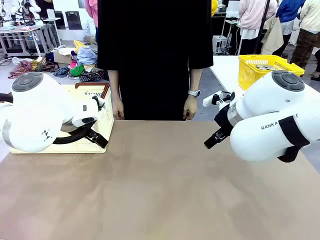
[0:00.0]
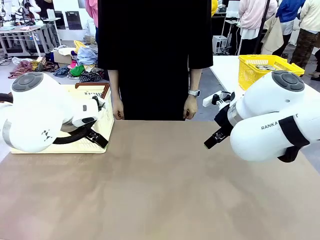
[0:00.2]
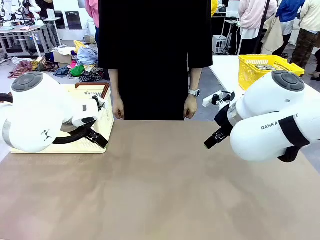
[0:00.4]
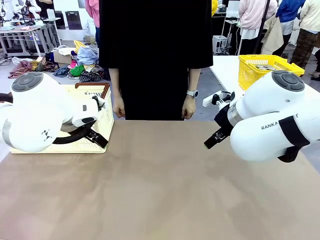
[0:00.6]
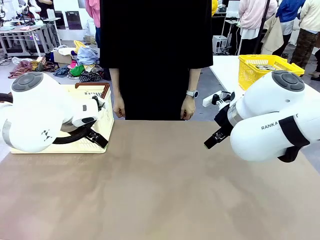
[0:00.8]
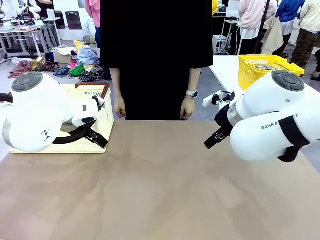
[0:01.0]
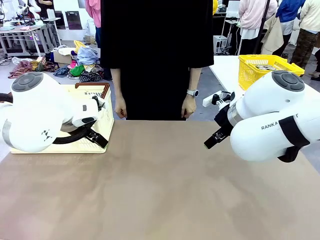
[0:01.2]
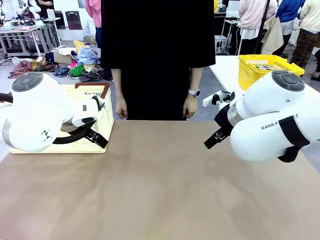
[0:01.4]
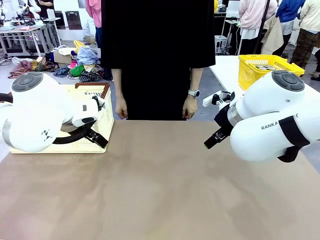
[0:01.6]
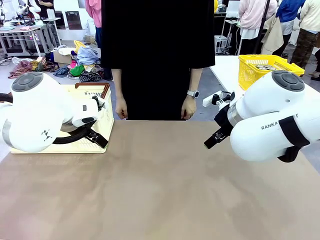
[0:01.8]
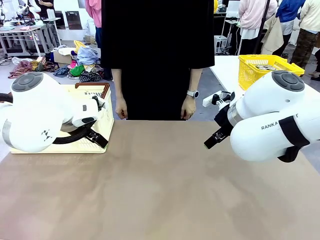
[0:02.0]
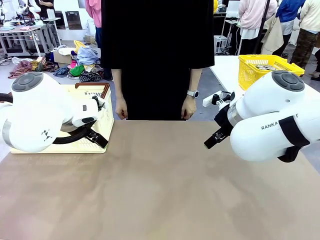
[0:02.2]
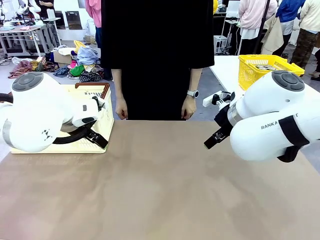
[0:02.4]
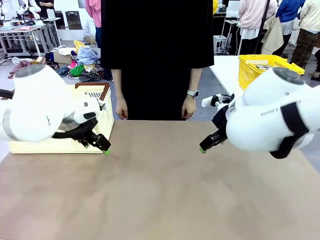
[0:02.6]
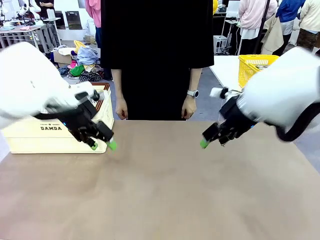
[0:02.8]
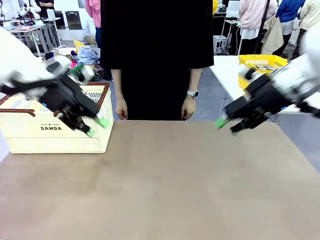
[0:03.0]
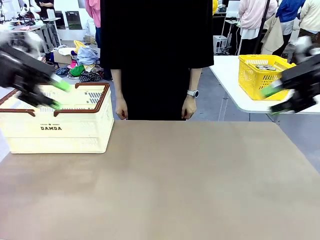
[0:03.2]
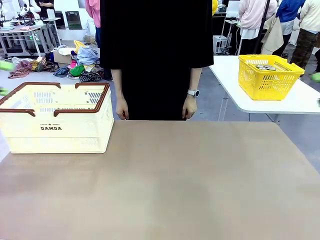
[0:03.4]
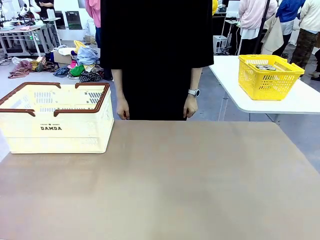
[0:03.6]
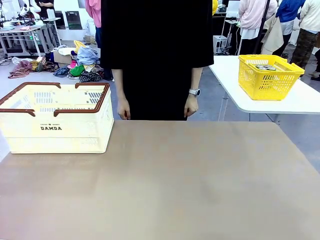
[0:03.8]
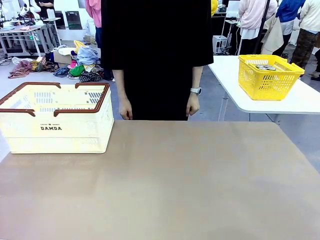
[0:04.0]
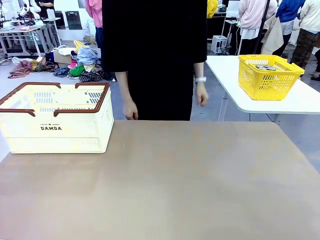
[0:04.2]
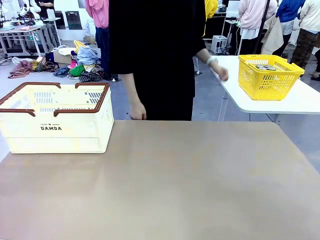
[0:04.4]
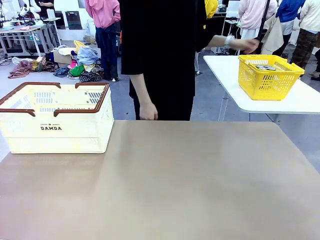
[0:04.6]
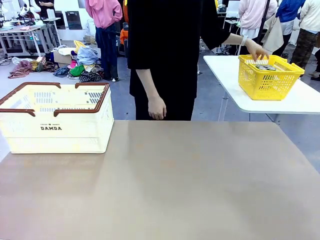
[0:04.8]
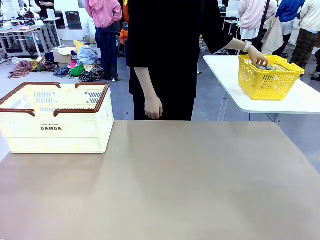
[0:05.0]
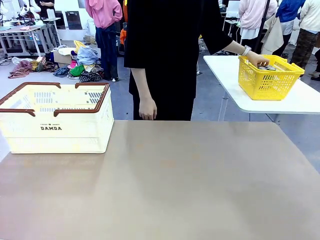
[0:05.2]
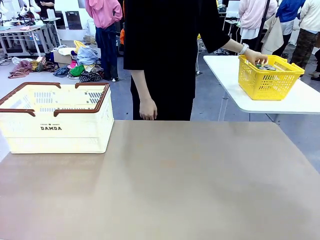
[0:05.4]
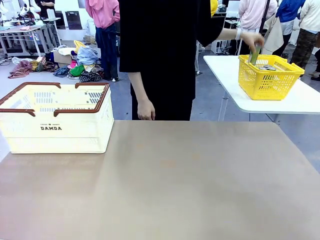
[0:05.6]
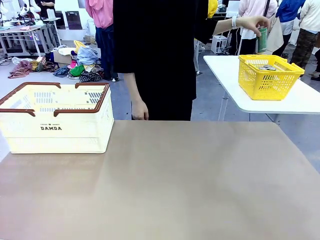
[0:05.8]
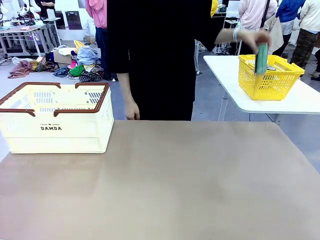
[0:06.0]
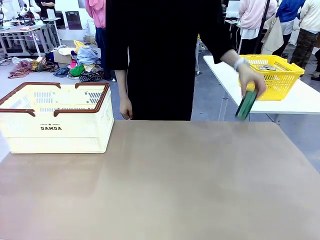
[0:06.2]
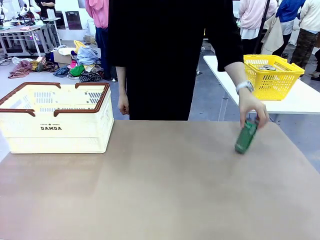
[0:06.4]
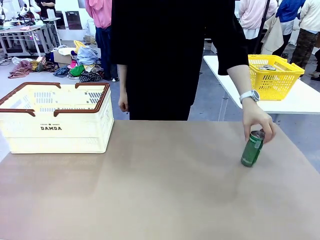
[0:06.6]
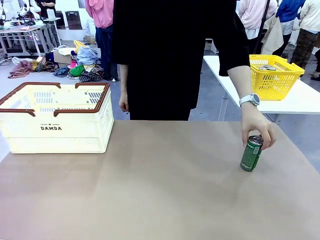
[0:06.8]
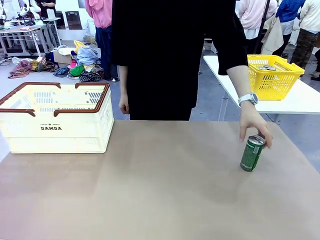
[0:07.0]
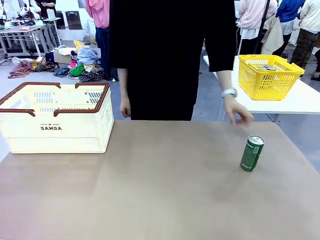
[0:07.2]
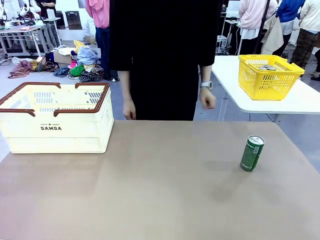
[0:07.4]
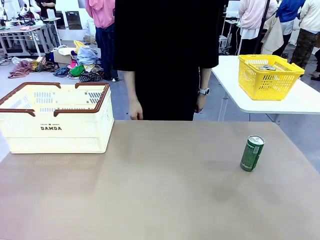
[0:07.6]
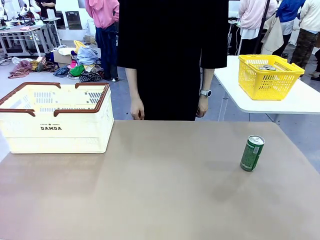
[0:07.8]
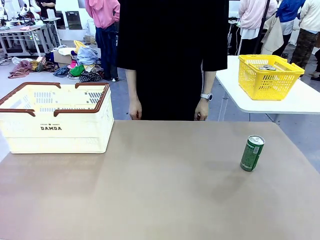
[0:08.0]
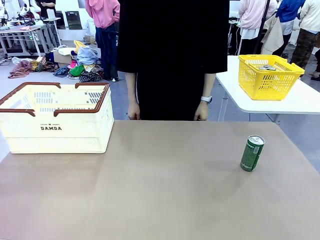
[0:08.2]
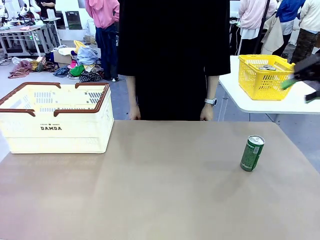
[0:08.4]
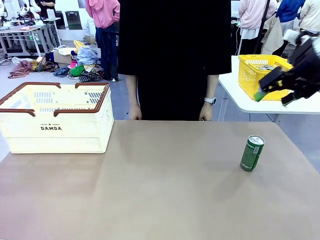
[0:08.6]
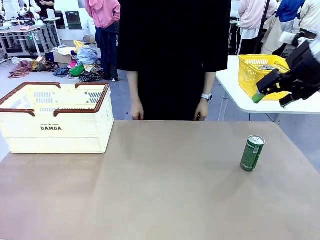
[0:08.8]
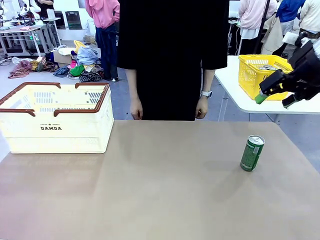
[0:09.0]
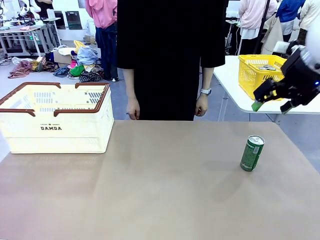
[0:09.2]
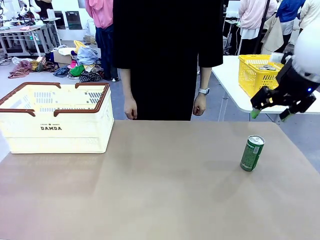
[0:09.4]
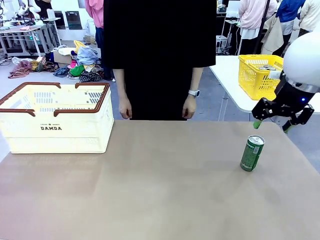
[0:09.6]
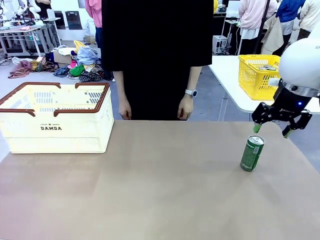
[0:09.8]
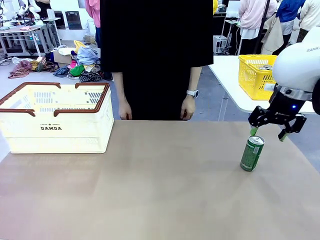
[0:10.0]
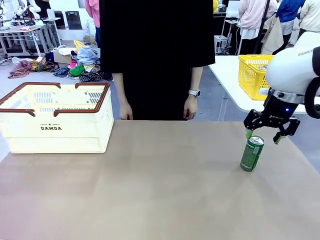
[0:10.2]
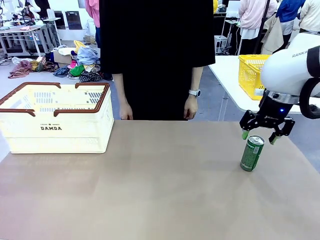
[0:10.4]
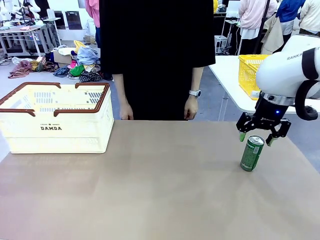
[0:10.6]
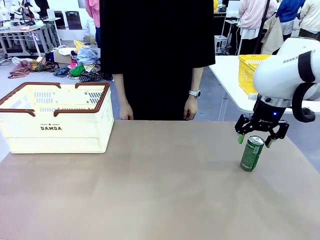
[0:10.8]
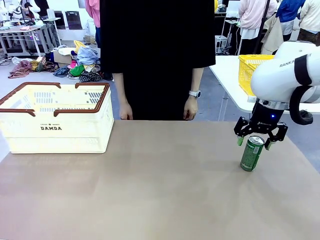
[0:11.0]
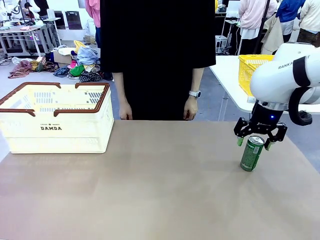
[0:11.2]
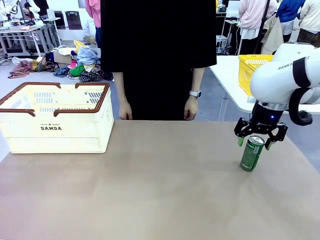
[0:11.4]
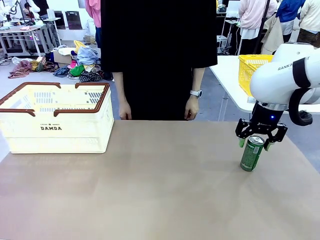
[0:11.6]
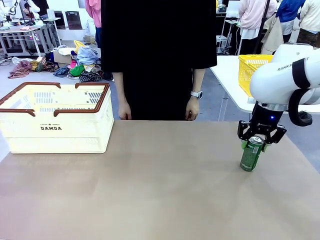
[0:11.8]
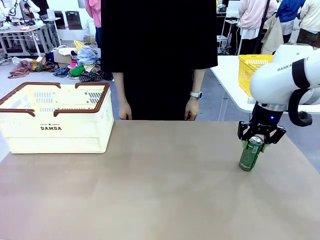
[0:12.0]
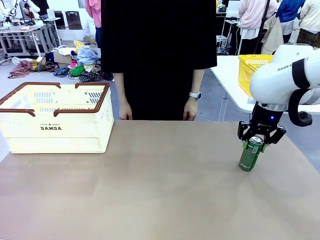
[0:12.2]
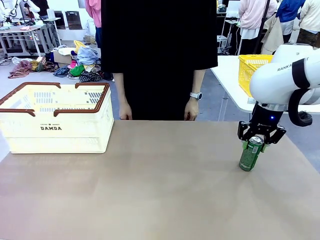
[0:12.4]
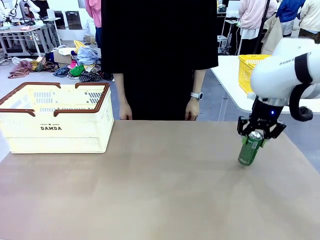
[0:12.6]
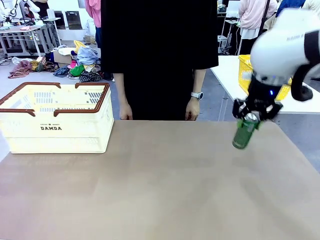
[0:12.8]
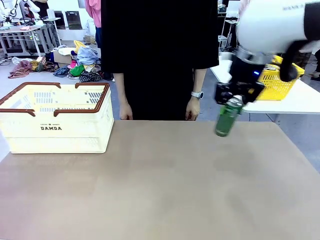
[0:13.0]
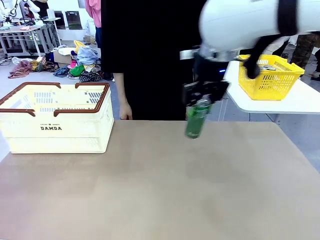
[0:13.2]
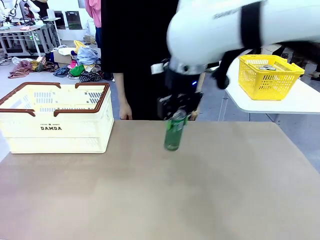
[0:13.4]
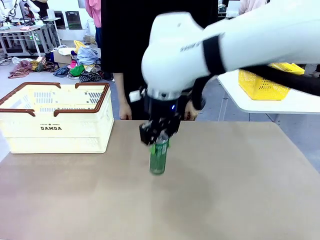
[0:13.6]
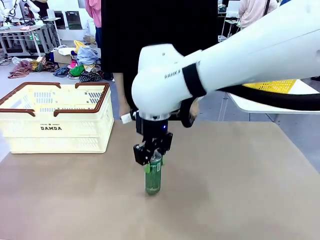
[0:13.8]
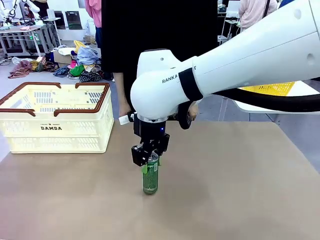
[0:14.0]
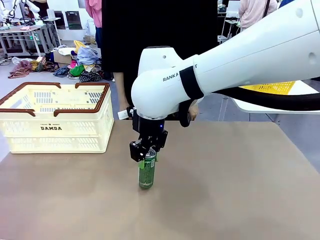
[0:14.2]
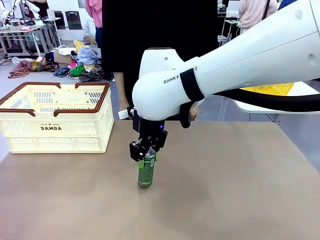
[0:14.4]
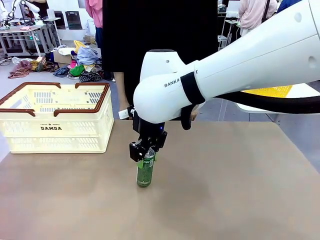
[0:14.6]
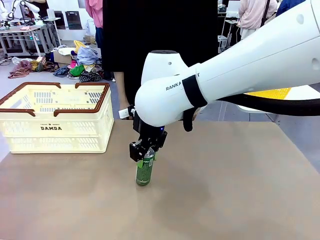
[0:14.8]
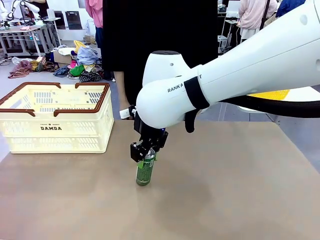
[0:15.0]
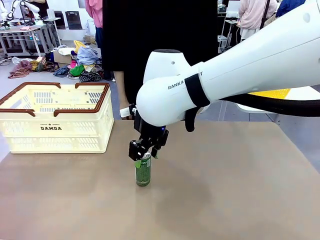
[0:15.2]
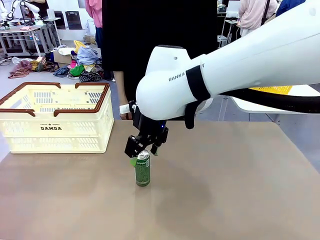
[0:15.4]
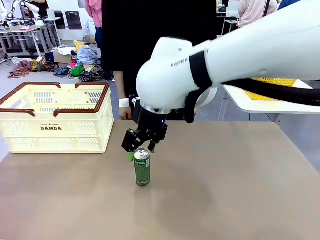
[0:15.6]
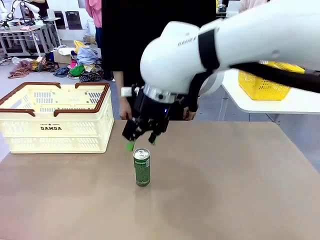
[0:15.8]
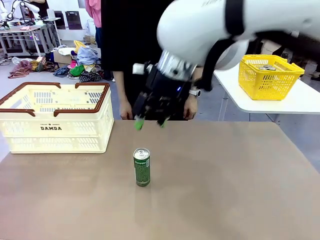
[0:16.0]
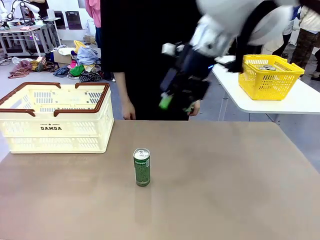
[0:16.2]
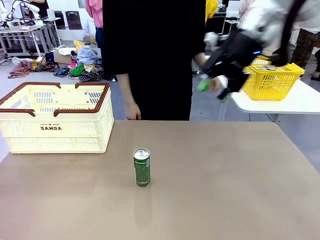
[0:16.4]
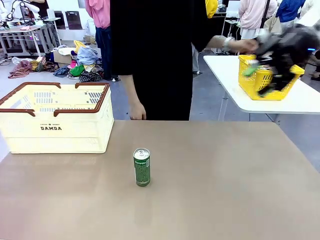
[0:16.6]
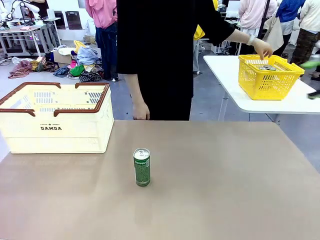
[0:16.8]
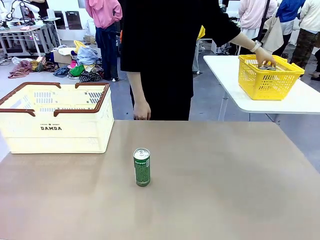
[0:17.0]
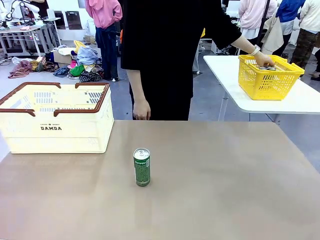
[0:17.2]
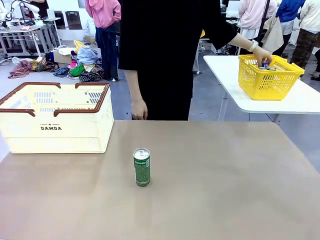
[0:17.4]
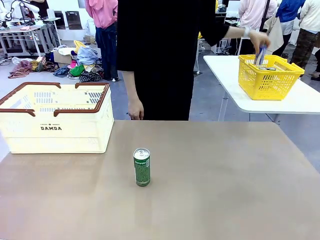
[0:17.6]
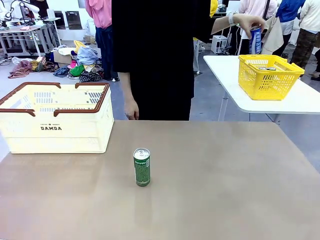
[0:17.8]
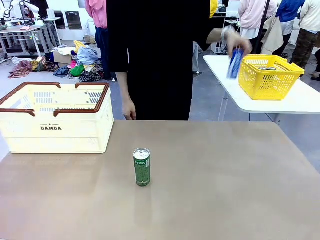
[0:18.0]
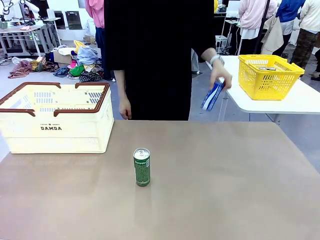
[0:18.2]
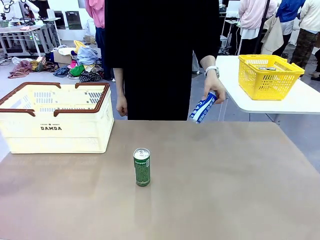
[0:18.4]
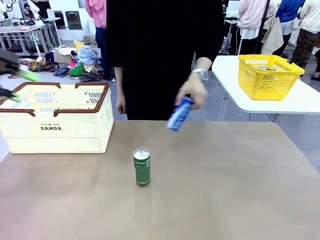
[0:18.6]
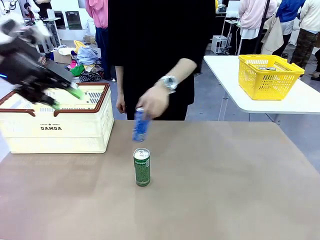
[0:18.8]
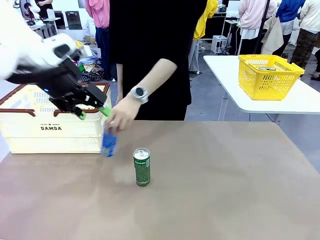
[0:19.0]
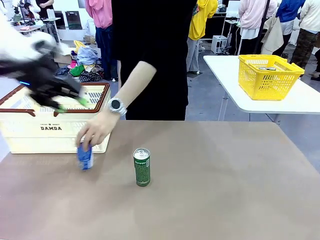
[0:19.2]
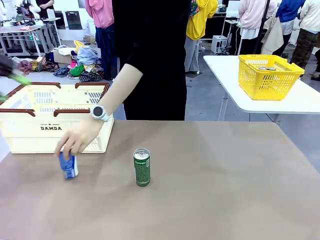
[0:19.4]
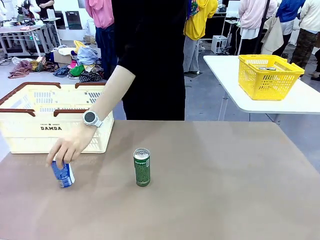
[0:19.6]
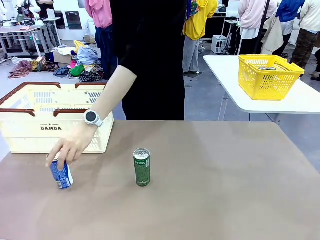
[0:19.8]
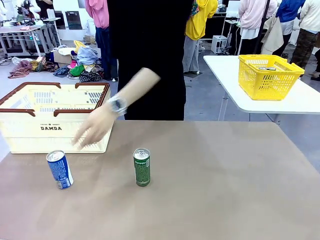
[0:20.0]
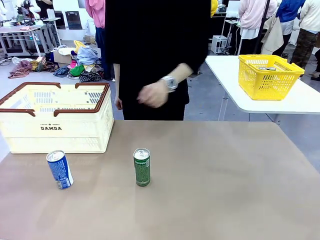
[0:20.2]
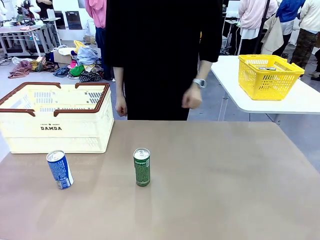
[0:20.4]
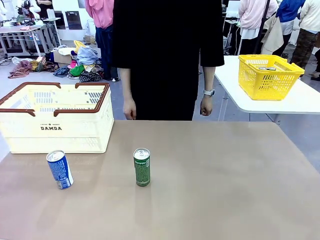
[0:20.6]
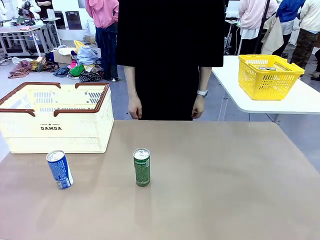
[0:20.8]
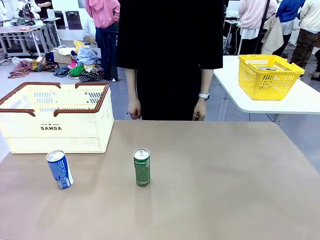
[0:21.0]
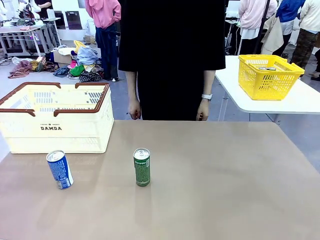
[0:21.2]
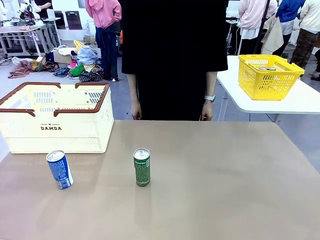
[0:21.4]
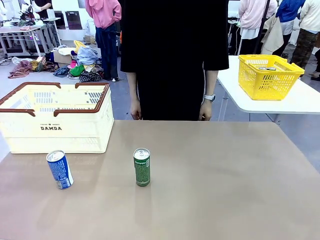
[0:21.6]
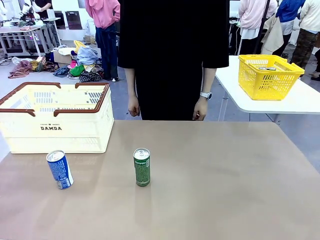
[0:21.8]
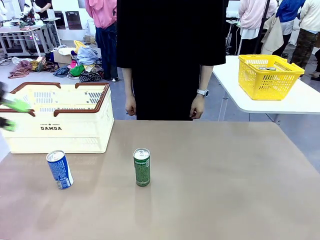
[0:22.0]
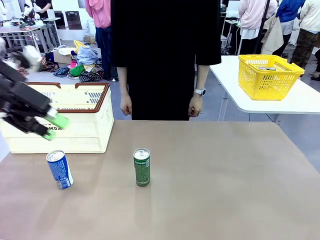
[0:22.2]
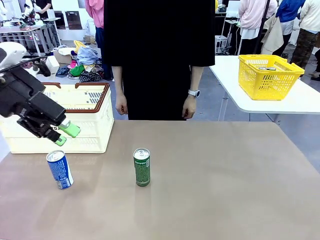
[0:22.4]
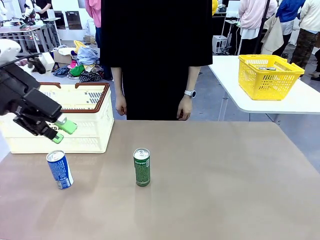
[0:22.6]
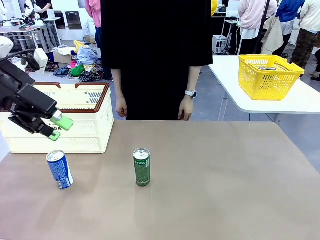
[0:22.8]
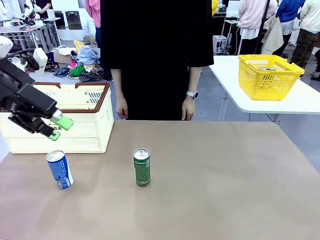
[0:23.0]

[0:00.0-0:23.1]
Task: Place the drinks into the Shopping basket.
Robot: Pick up one drink and place it into the Shopping basket.
